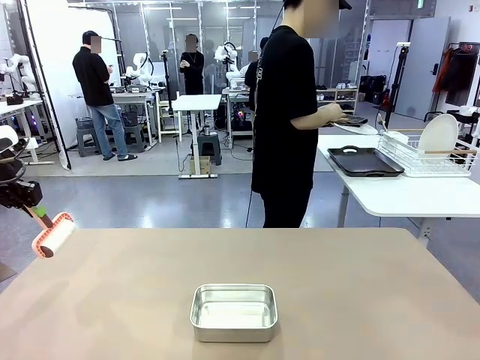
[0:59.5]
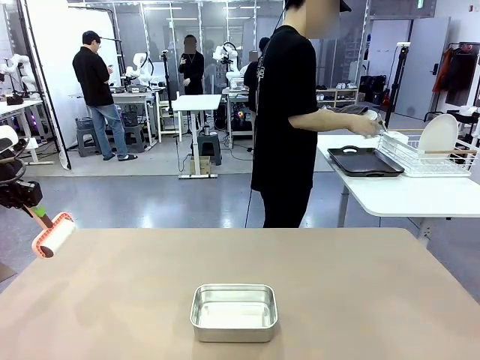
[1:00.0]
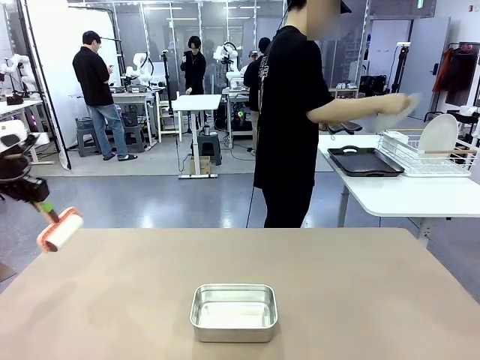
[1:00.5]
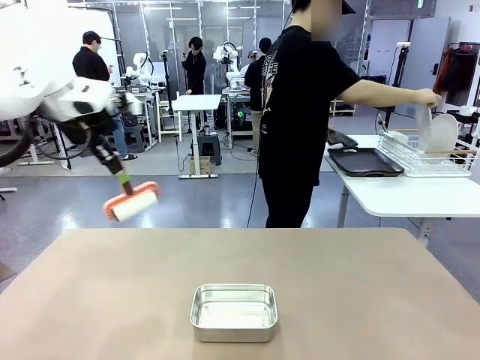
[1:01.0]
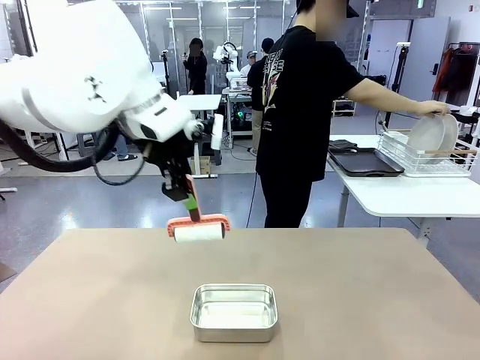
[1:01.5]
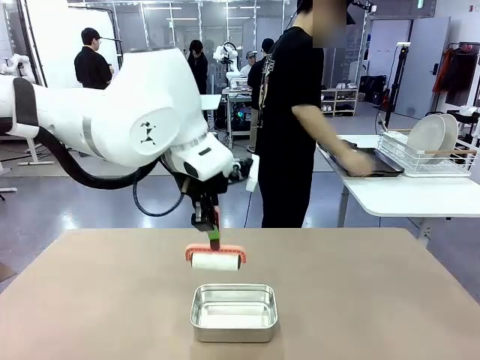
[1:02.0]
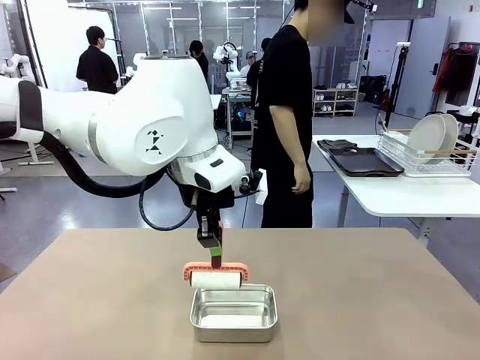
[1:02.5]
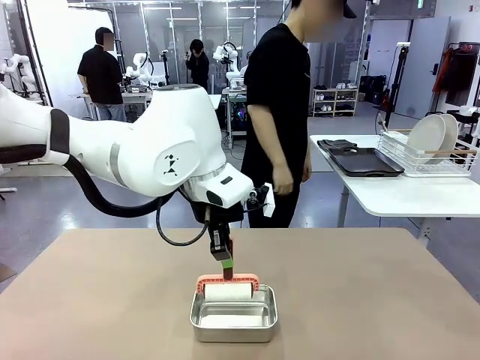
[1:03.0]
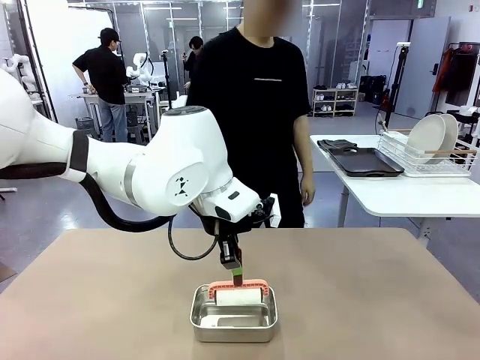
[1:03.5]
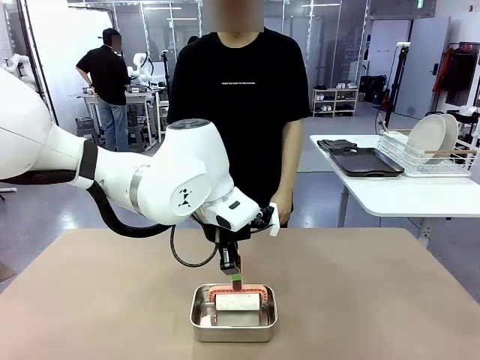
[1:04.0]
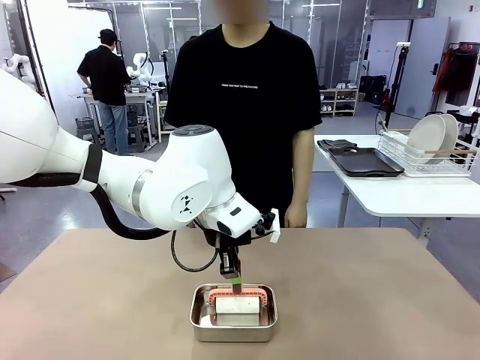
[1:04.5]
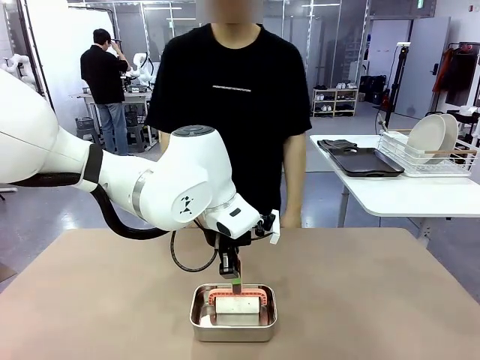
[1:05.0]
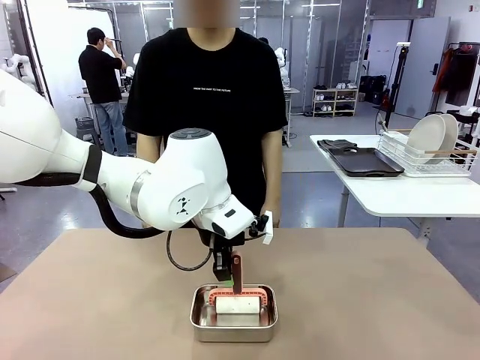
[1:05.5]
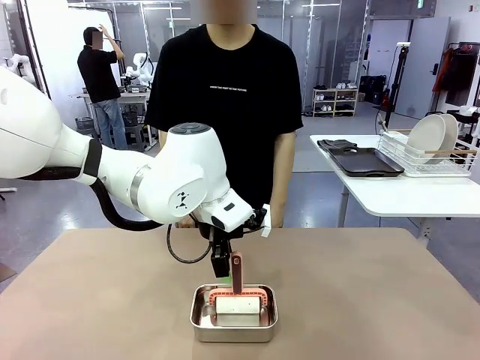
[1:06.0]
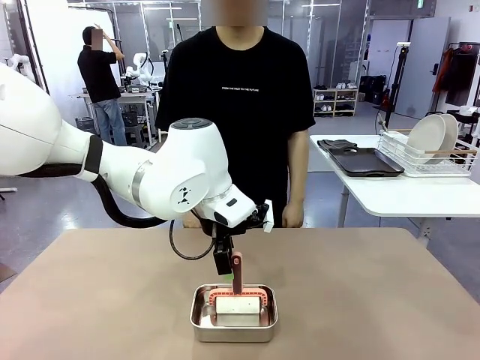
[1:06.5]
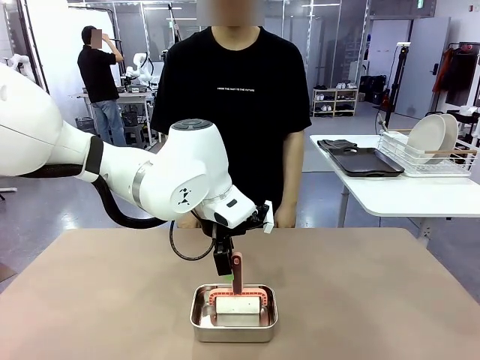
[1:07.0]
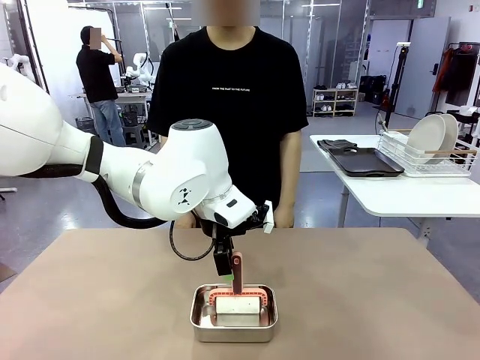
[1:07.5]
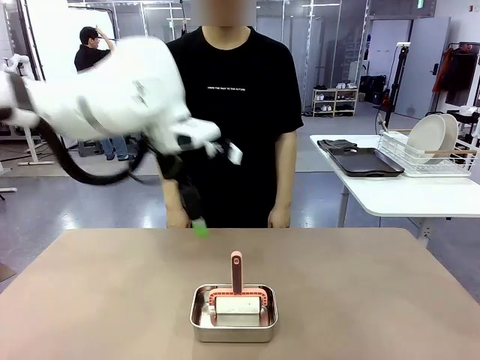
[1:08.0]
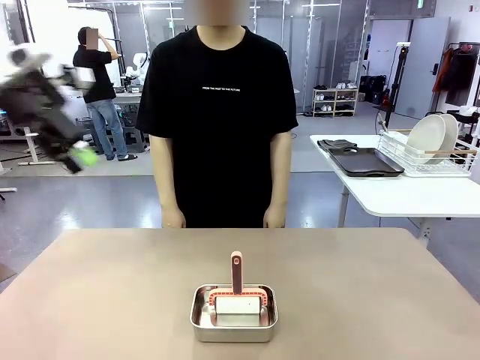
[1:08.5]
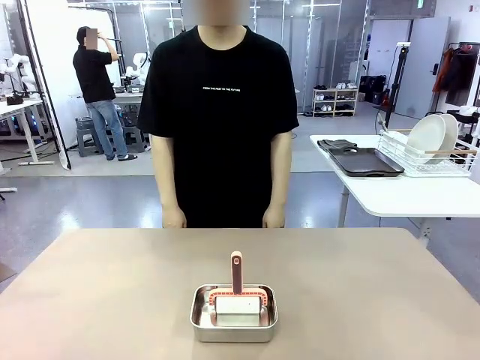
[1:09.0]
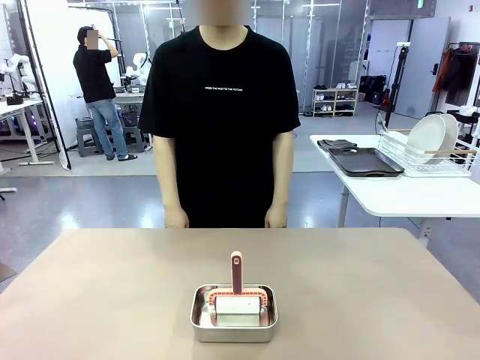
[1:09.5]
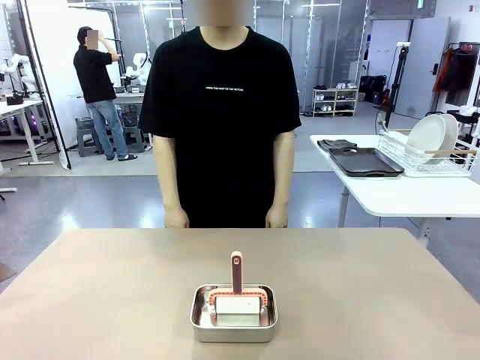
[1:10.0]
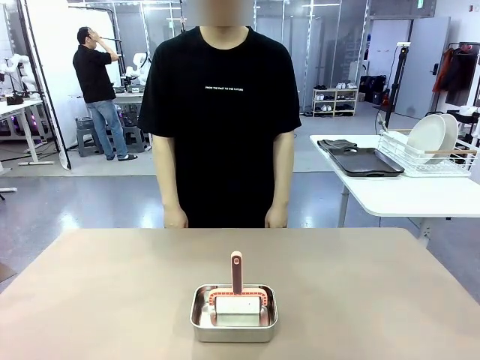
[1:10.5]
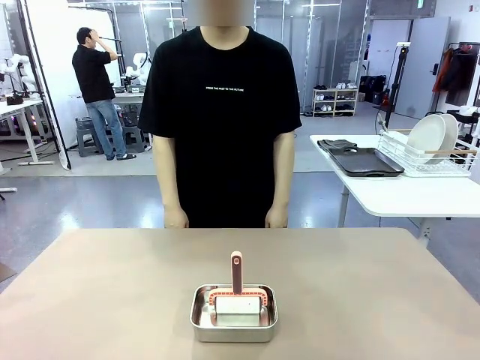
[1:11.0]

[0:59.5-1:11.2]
Robot: Place the Lint Roller back on top of the Airtight Container.

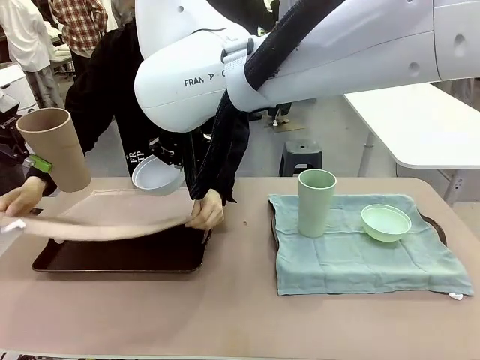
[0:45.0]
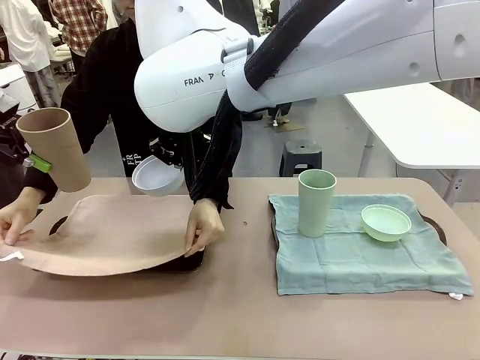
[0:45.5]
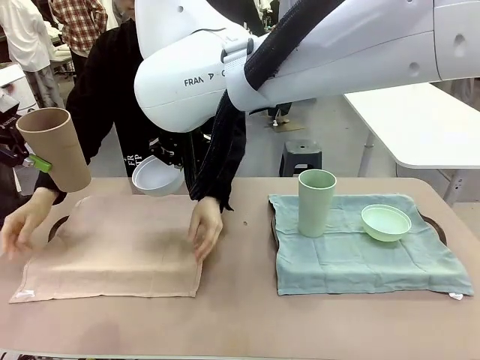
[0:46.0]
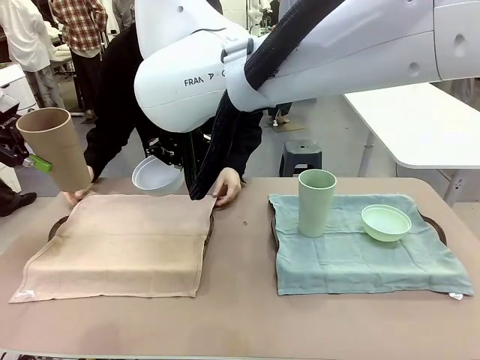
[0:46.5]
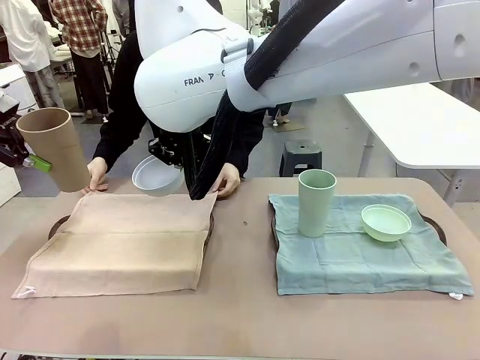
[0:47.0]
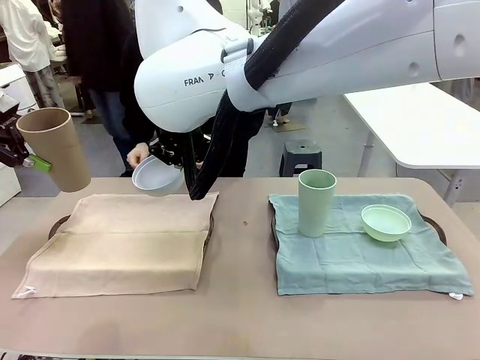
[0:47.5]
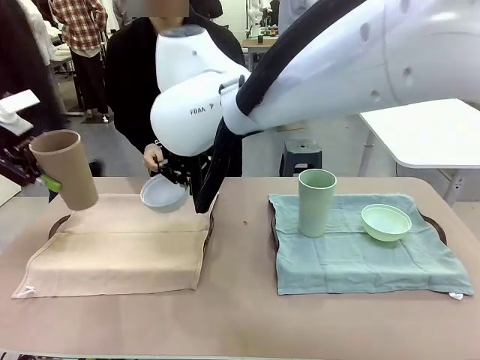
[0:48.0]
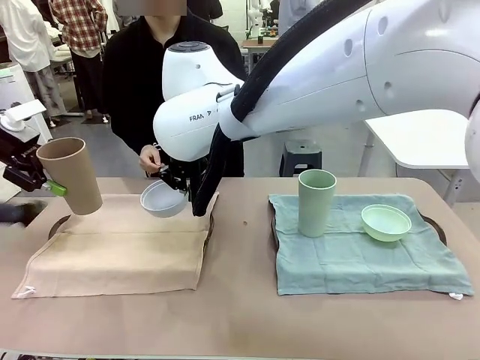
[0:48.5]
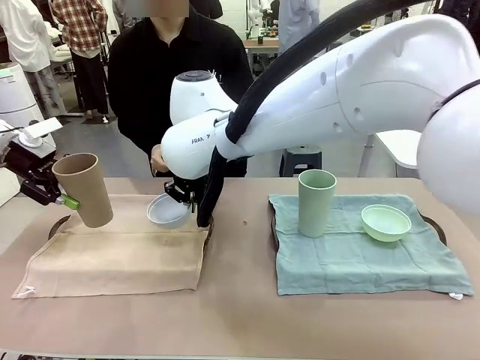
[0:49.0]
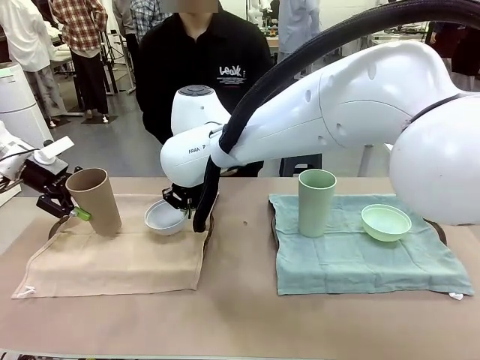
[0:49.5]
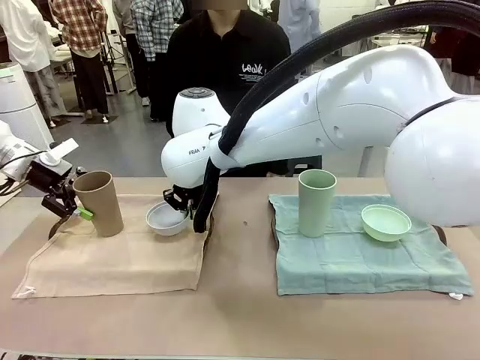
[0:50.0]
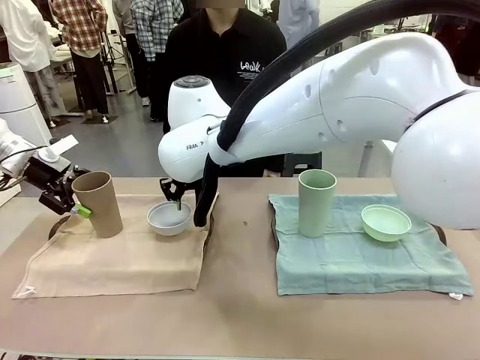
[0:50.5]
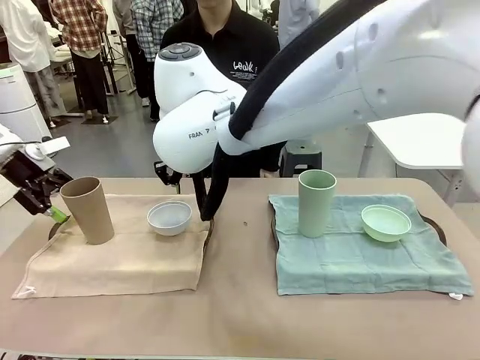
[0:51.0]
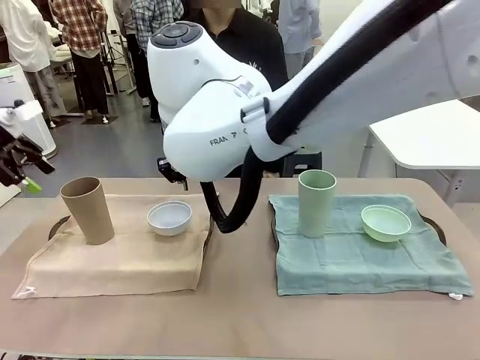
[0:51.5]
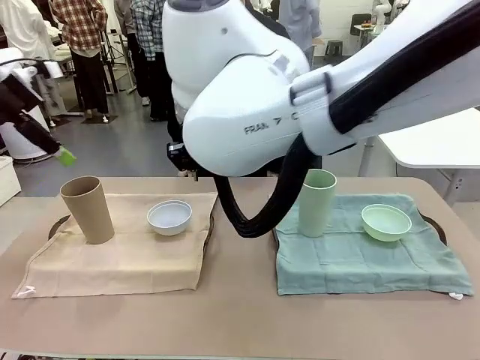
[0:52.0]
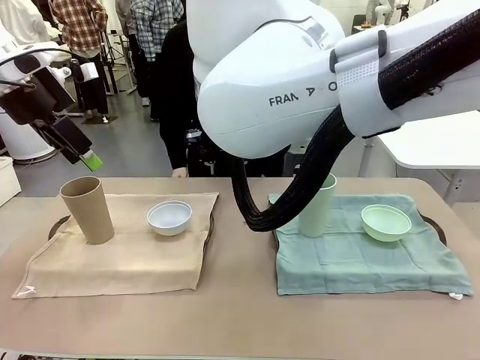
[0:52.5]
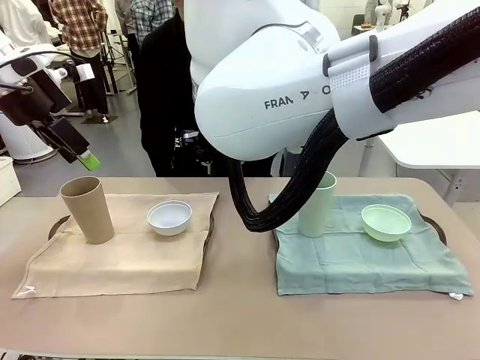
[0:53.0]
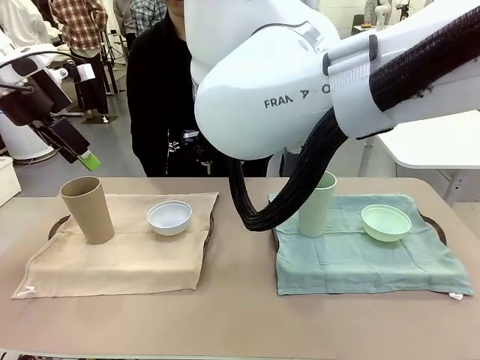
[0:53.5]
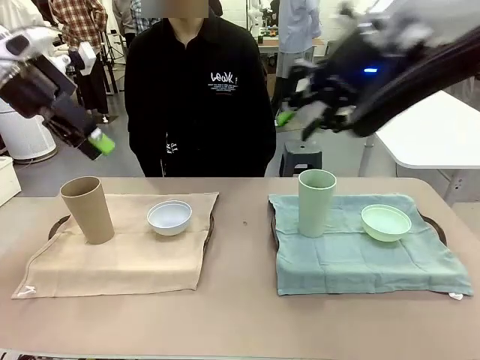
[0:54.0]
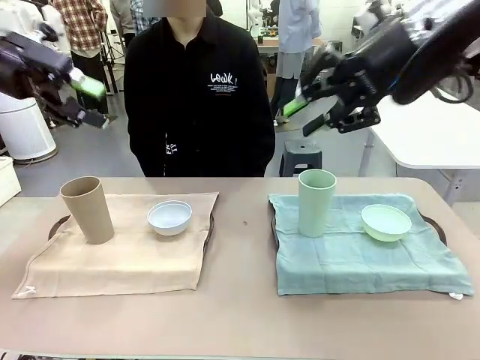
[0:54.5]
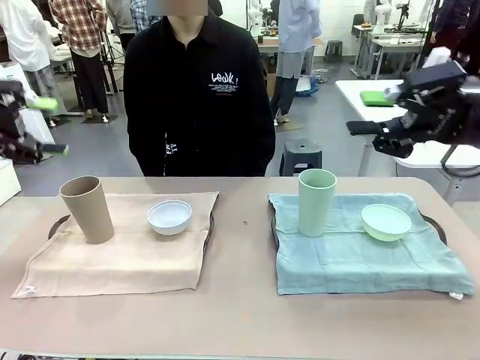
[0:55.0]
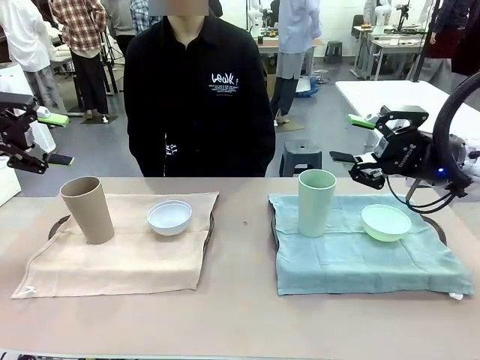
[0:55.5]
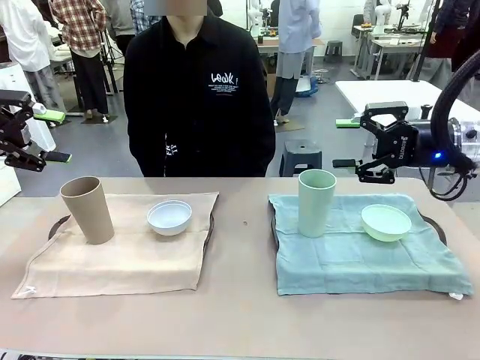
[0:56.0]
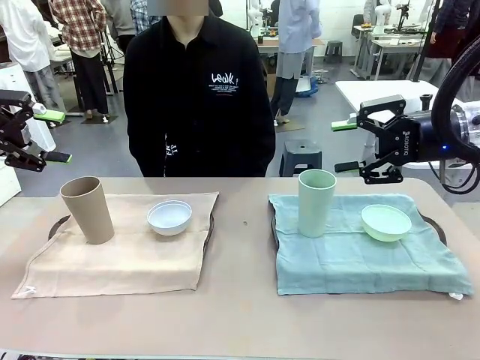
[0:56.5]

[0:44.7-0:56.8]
Robot: Place the Picnic Bowl and Reusable plastic cup back onto the Handle tray in front of the human's position.
Person: When the robot lifts the bowl and the cup, the human unfolds the napkin and lays the napkin flat on the tray.

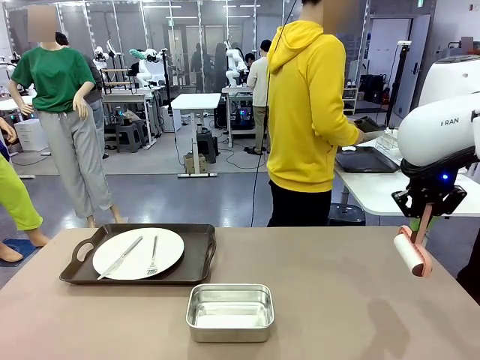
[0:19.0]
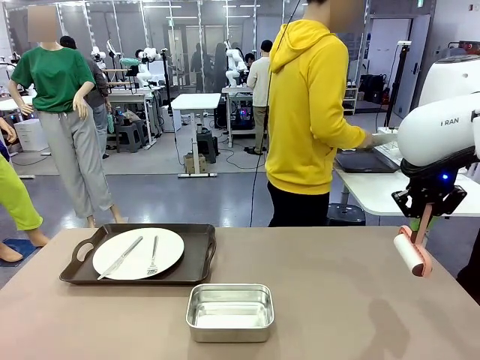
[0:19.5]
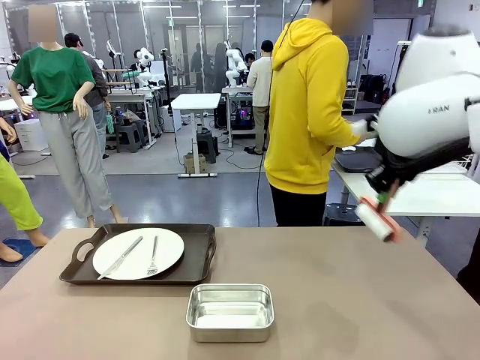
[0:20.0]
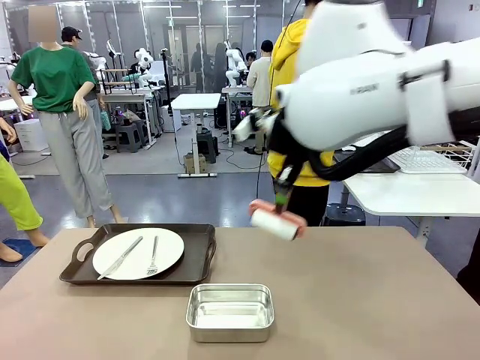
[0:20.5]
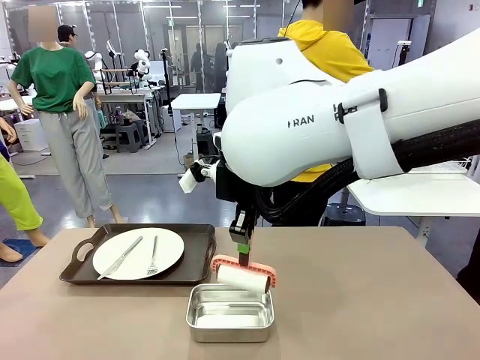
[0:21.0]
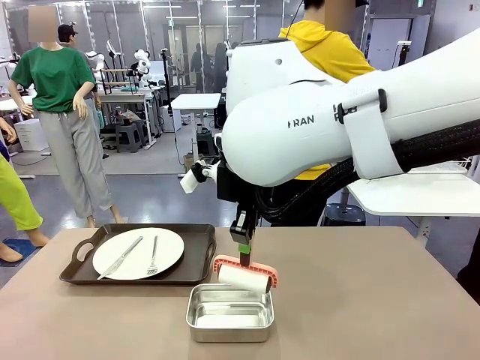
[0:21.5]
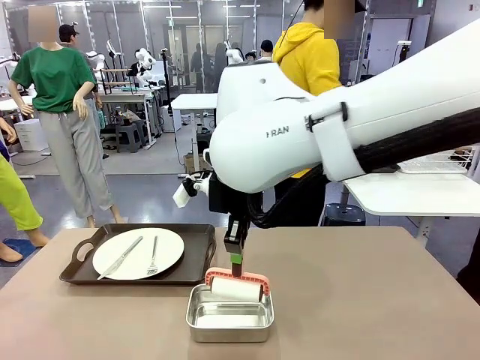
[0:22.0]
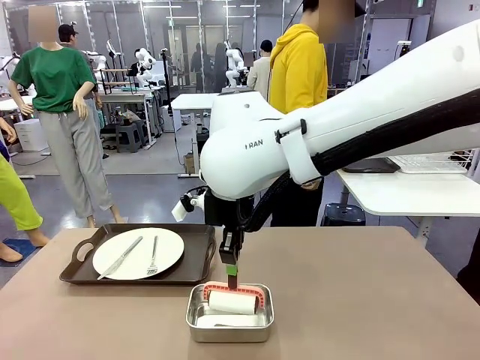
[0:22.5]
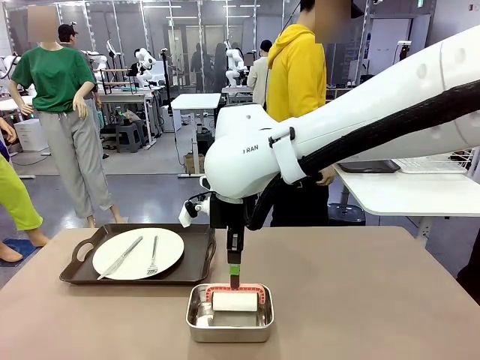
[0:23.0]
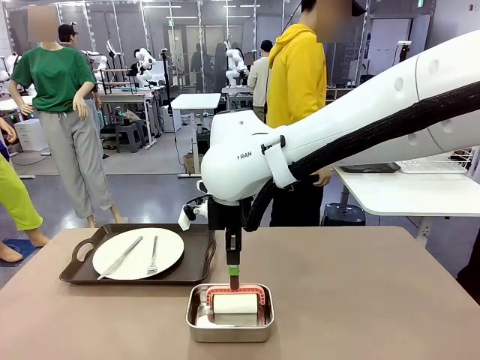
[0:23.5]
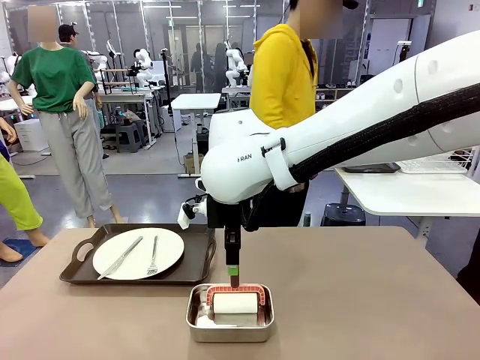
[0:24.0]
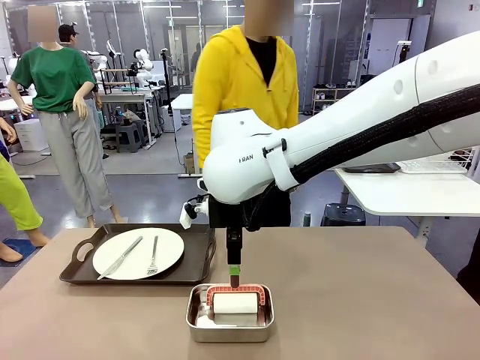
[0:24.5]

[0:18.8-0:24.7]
Robot: Place the Lint Roller back on top of the Airtight Container.
